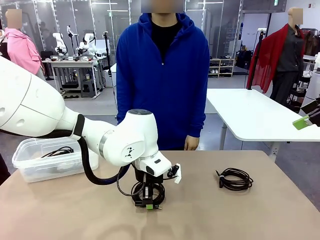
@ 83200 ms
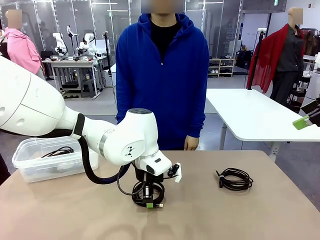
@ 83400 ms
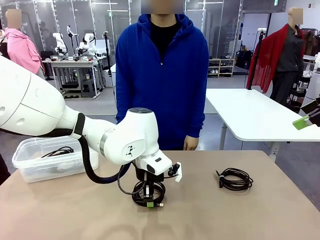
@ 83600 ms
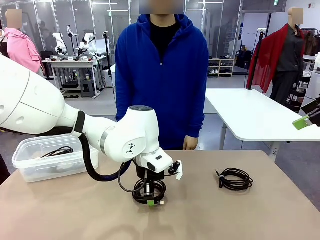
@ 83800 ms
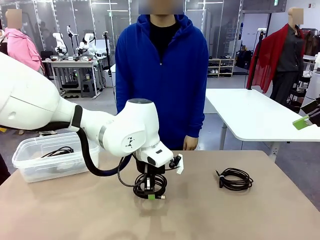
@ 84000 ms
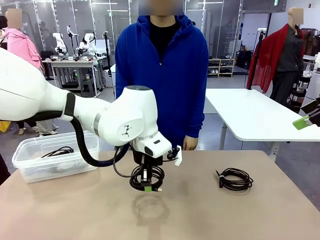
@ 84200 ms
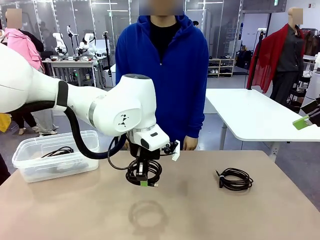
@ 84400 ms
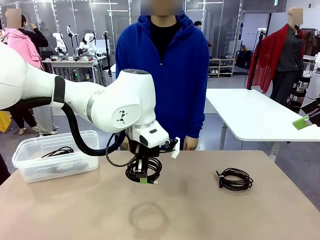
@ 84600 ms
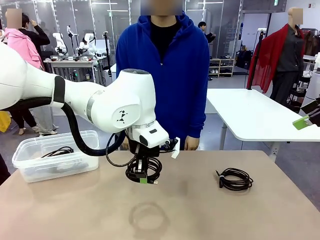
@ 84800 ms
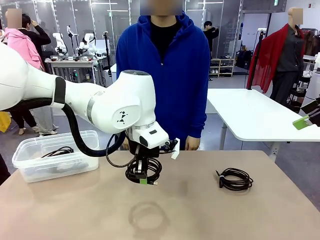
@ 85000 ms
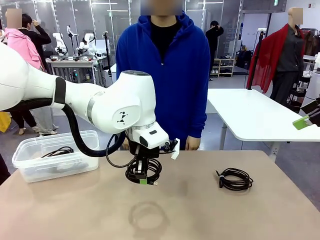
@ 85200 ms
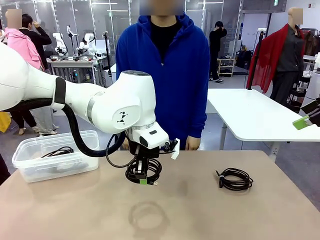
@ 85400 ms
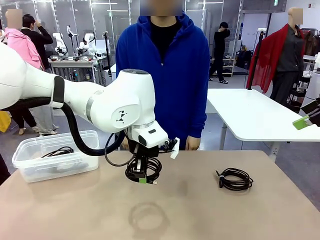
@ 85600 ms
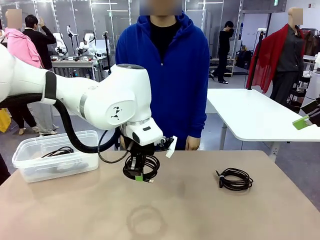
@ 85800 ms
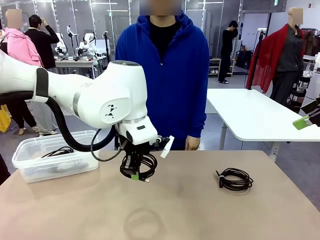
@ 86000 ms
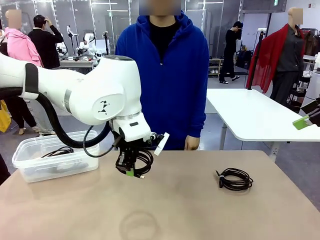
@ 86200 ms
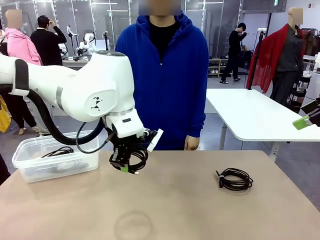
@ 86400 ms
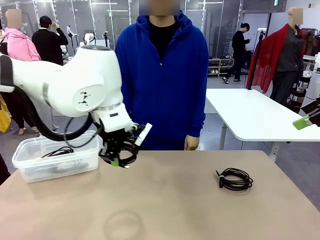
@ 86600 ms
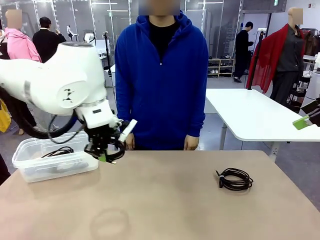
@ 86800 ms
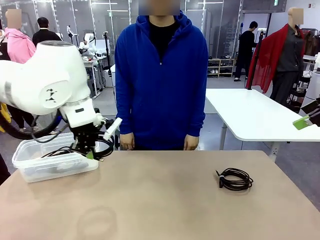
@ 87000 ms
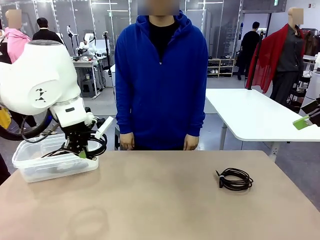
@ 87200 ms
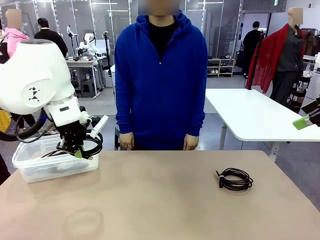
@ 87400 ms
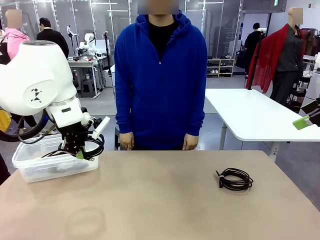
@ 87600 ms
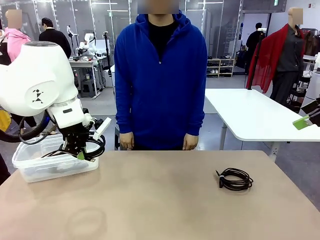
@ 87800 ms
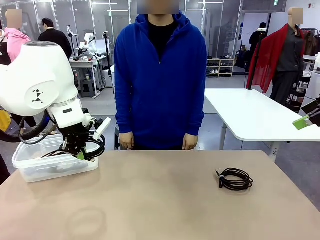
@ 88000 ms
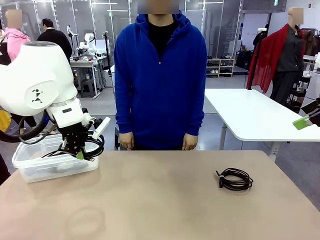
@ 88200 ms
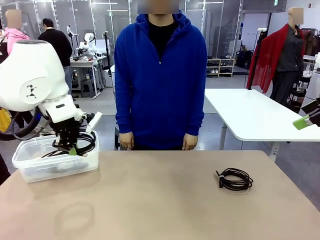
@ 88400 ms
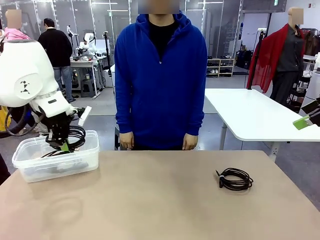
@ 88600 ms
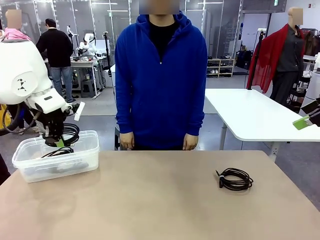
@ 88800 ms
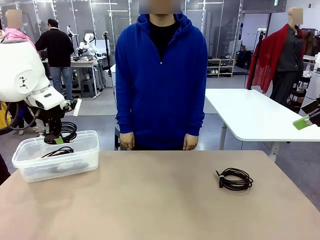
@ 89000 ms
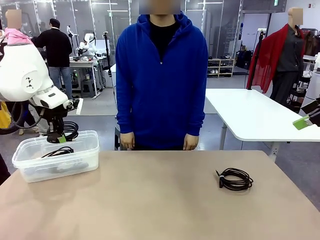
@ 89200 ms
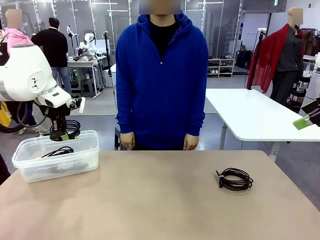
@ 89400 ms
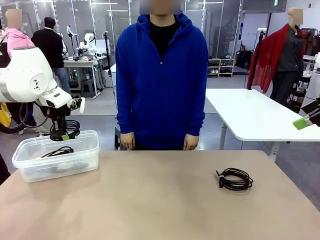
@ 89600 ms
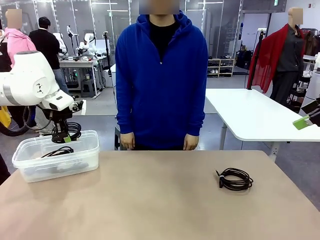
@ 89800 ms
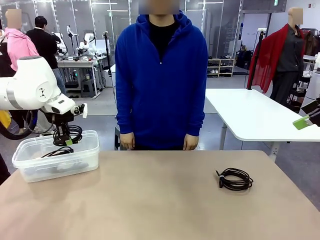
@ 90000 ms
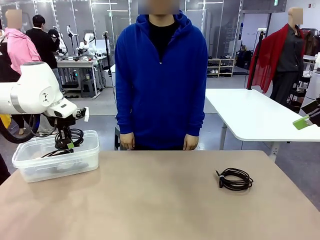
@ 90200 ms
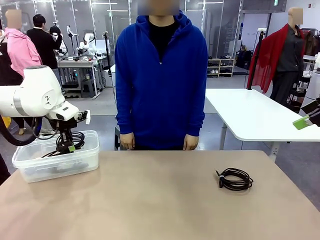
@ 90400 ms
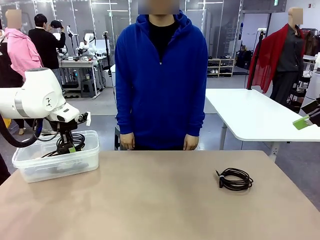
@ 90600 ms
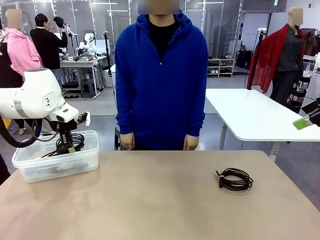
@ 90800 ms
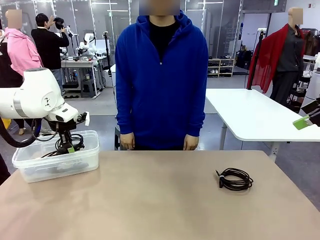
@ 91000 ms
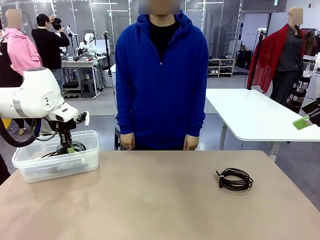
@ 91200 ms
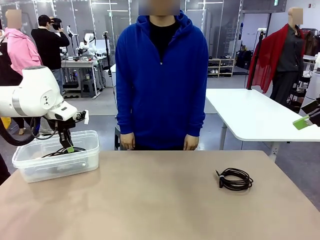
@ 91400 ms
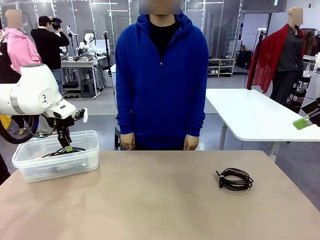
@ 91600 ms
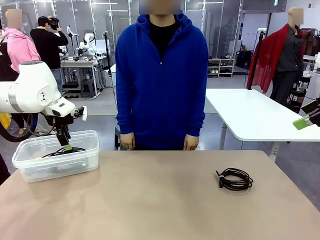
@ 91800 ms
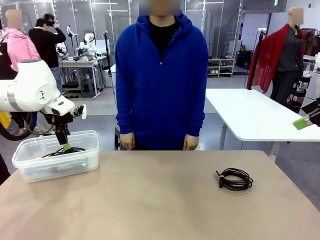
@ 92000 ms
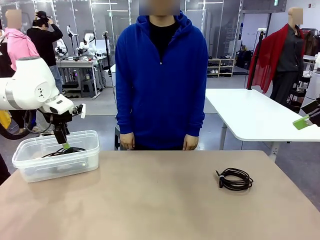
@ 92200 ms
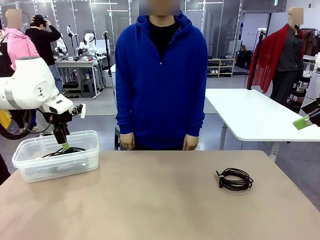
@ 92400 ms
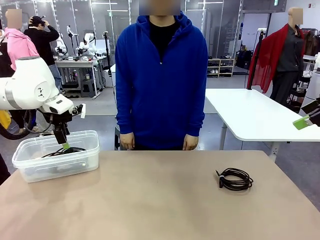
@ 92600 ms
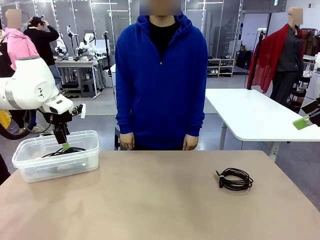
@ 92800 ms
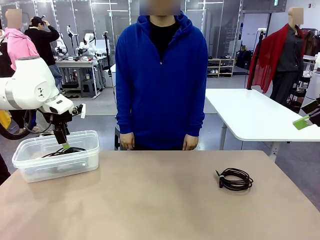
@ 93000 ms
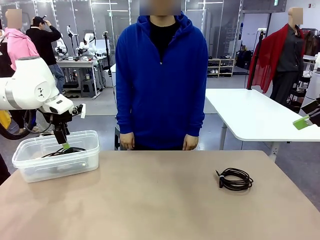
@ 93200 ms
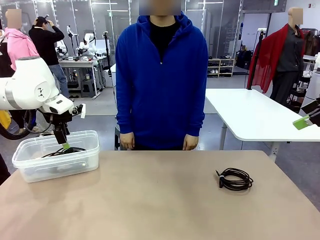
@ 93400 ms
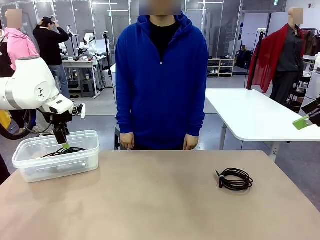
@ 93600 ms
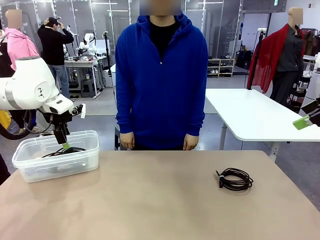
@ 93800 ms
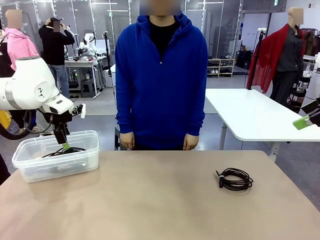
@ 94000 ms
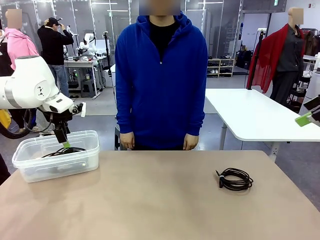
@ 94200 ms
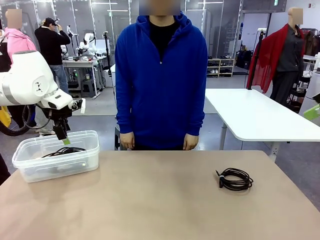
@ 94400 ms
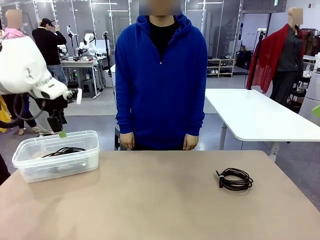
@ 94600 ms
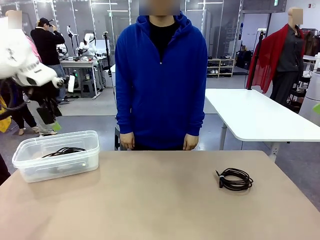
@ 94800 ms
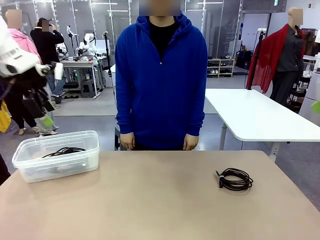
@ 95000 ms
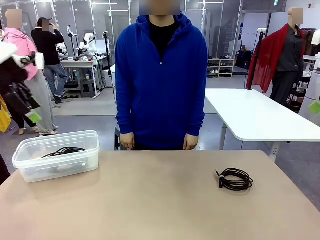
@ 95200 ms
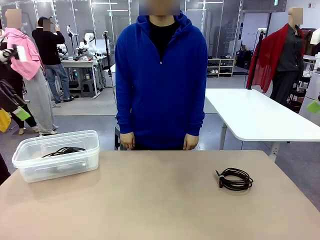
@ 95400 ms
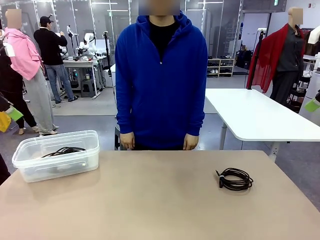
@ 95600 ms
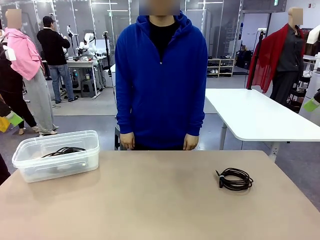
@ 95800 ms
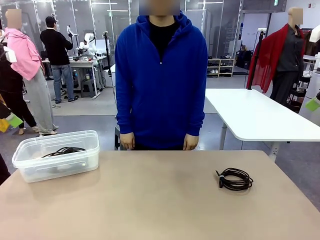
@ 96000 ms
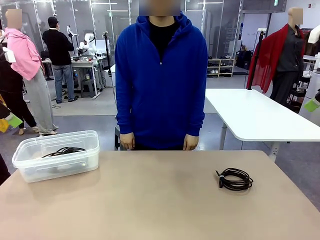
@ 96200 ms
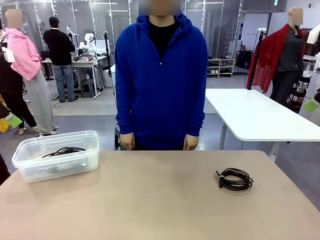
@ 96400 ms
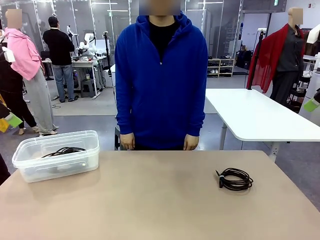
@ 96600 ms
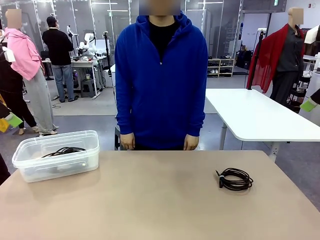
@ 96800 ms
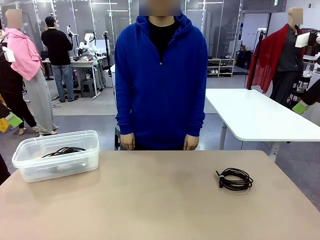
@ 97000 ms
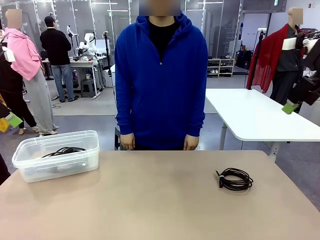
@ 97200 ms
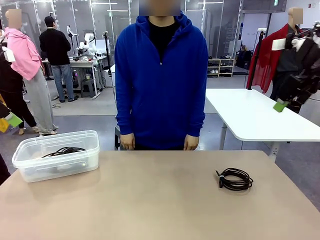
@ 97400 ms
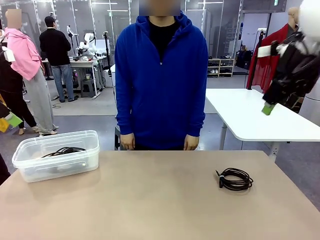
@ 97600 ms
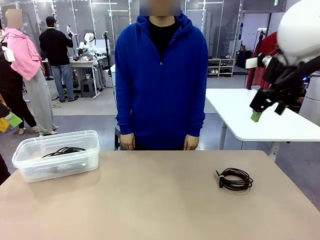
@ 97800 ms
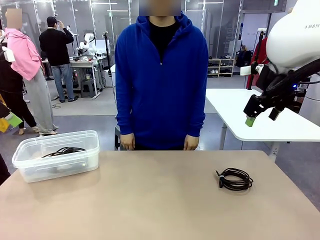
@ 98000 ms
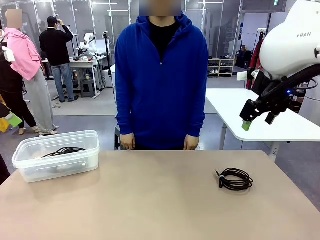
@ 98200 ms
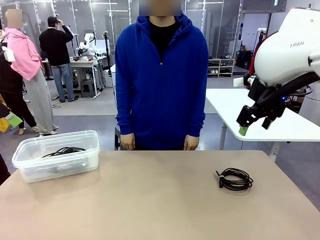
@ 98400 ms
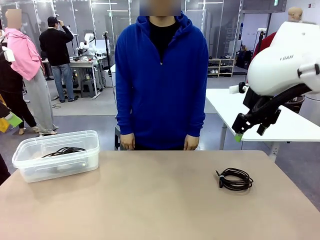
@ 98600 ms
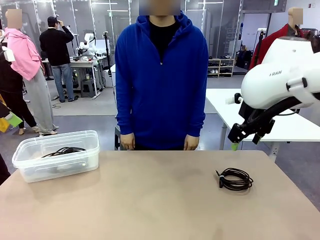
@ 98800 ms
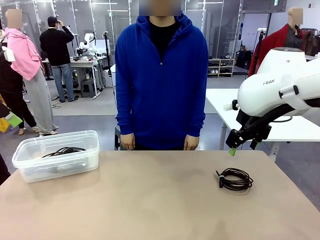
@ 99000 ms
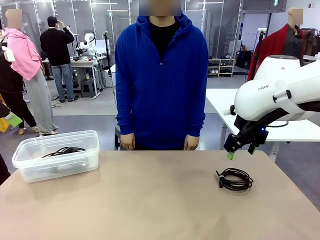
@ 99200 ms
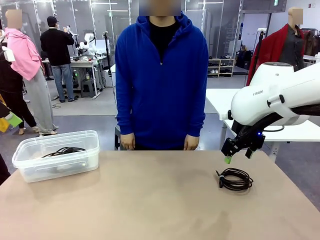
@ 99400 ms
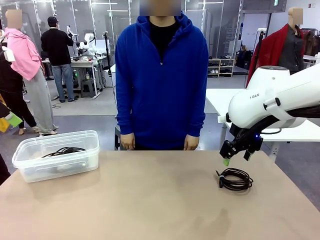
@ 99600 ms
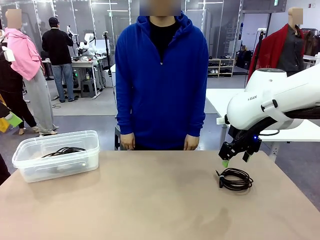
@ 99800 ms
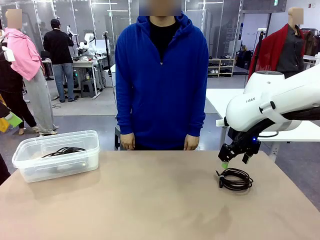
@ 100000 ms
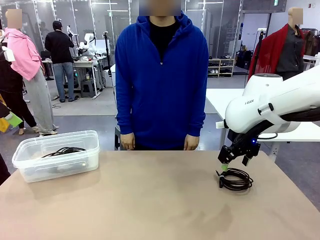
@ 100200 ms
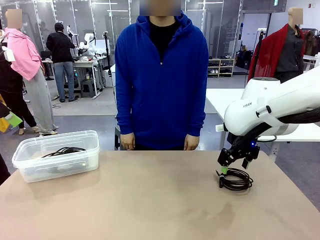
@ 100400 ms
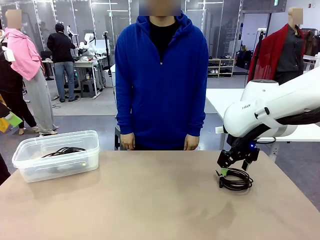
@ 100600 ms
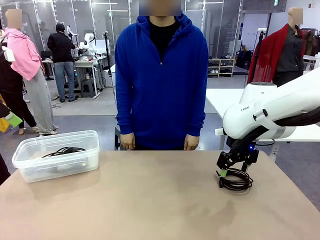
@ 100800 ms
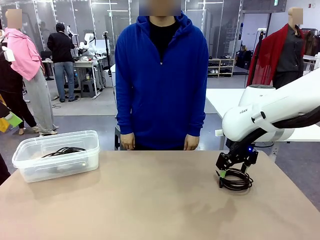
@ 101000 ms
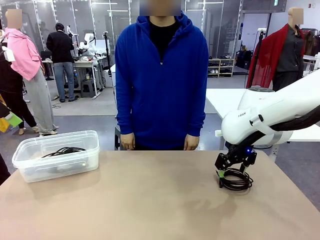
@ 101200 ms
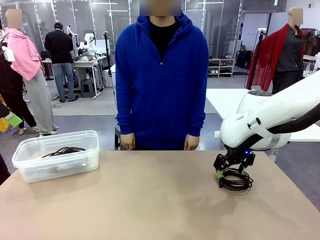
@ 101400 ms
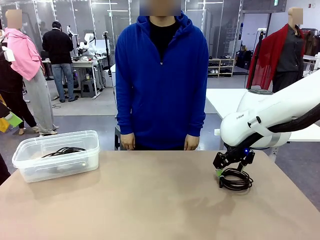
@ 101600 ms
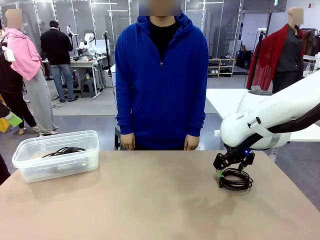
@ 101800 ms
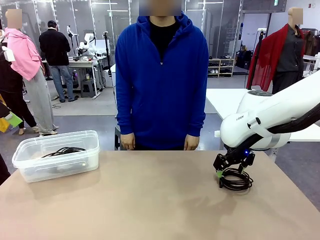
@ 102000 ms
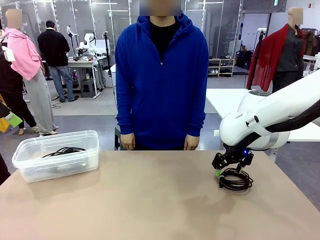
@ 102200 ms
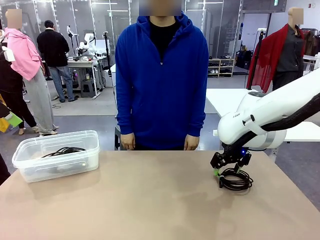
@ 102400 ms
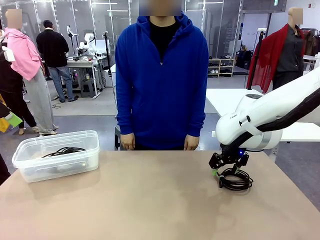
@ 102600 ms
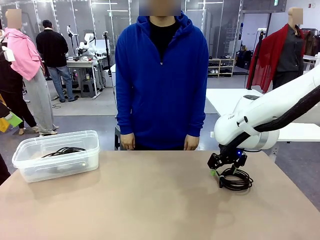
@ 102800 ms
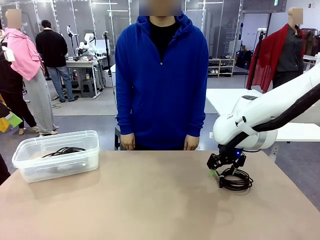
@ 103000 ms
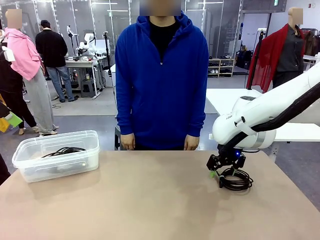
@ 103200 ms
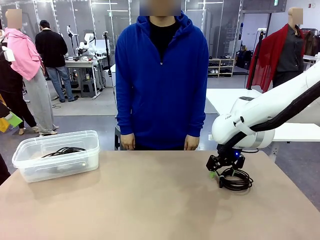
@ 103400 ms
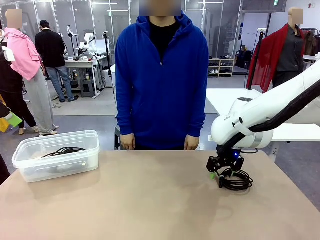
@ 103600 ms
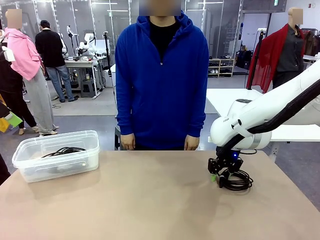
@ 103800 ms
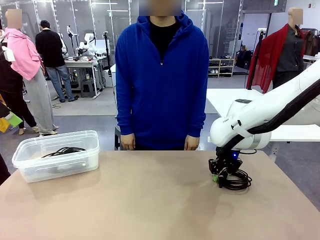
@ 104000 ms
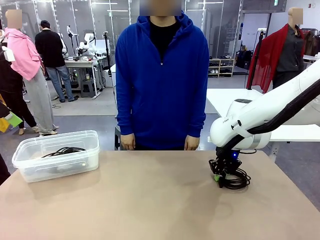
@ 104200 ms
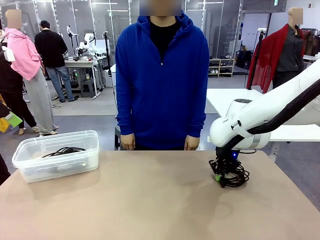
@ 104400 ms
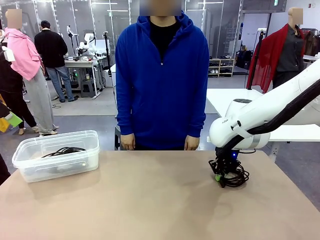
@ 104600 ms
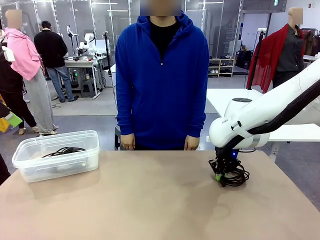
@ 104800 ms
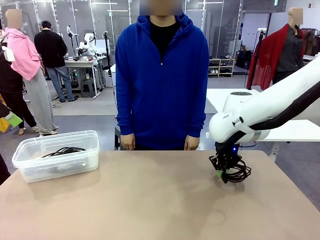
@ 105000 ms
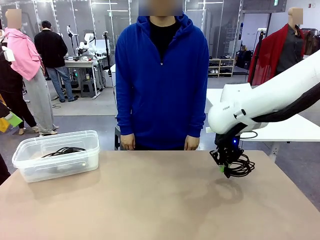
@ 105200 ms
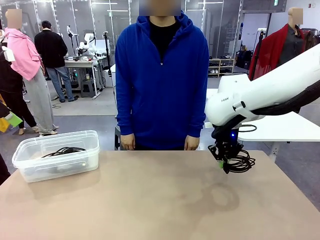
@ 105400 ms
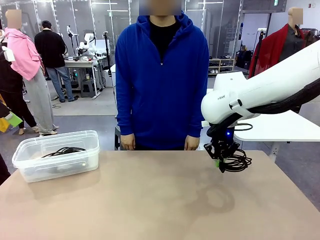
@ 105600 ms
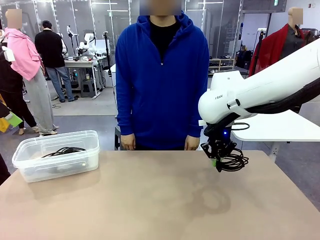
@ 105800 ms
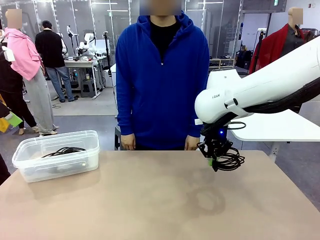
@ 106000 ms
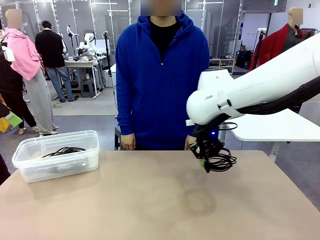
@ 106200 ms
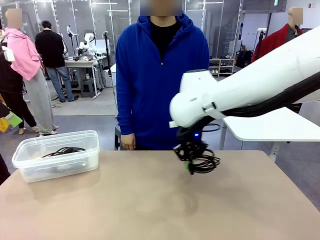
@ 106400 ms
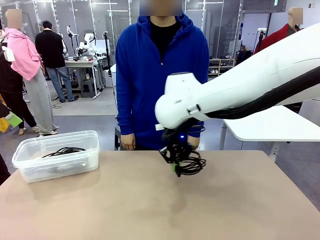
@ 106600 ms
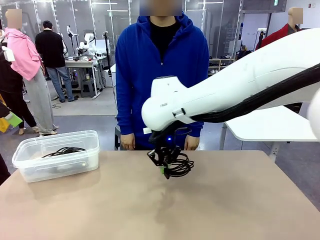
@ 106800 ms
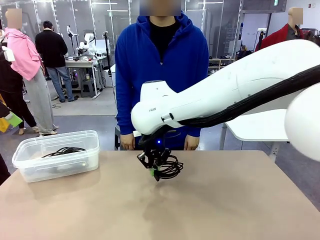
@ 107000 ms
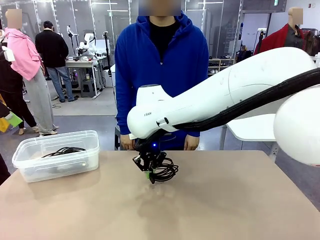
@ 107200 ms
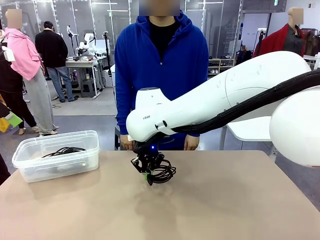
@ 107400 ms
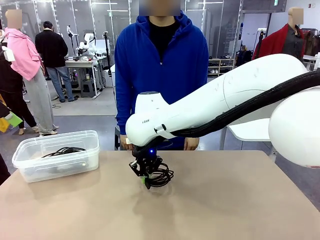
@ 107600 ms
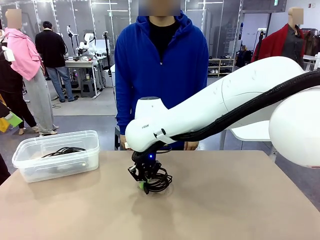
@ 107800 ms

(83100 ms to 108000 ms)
Task: Organize and store the cables.
Robot: Place the USB Extension Cable into the Organizing box.
